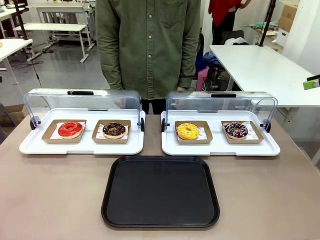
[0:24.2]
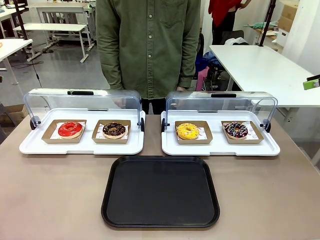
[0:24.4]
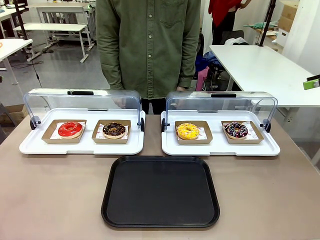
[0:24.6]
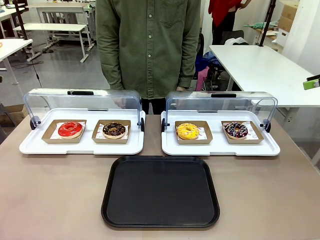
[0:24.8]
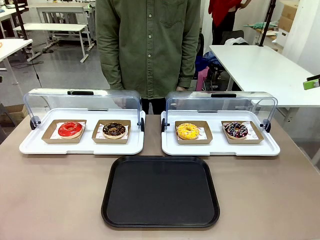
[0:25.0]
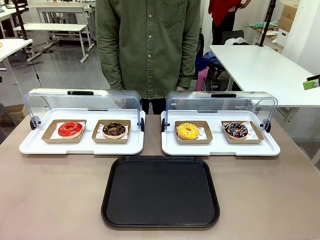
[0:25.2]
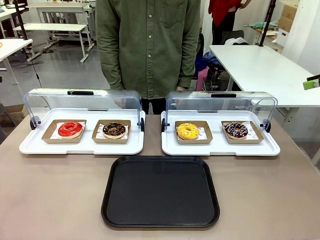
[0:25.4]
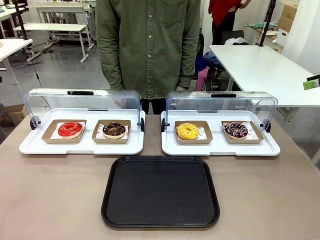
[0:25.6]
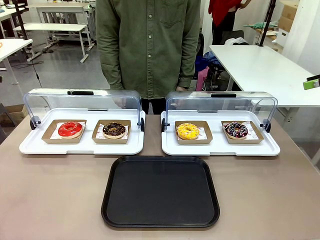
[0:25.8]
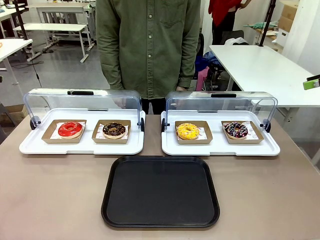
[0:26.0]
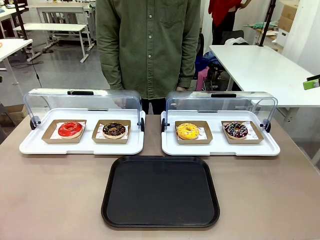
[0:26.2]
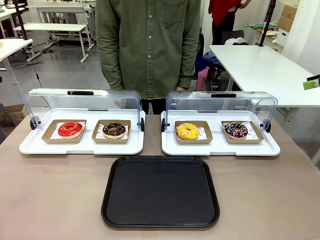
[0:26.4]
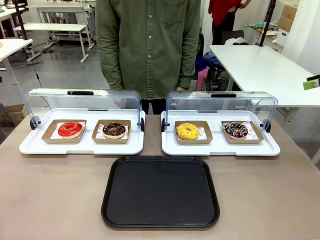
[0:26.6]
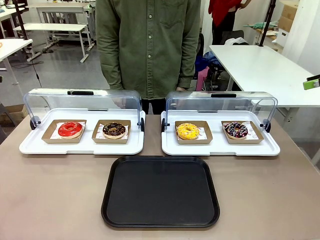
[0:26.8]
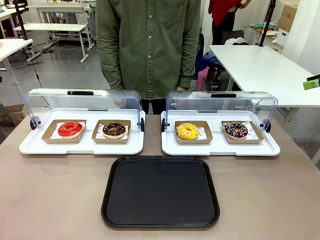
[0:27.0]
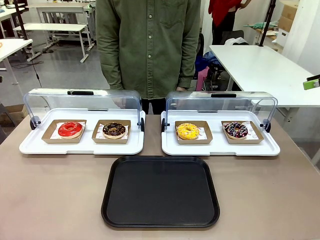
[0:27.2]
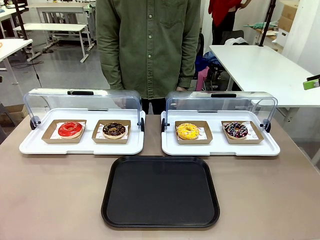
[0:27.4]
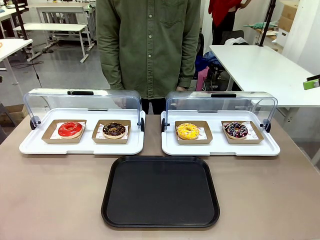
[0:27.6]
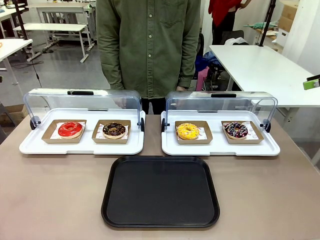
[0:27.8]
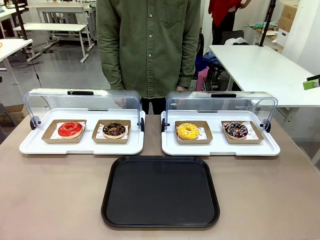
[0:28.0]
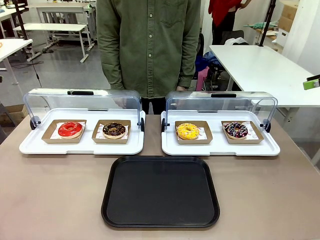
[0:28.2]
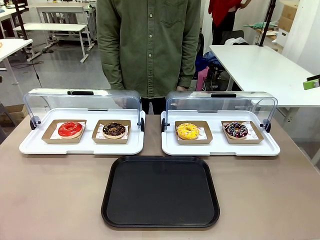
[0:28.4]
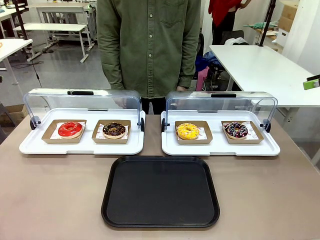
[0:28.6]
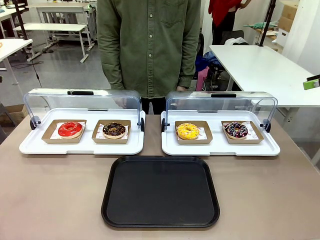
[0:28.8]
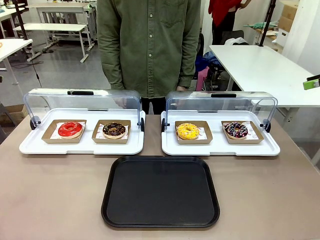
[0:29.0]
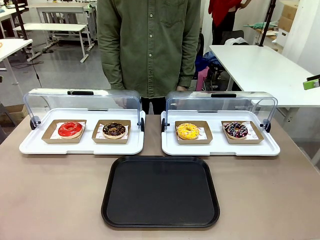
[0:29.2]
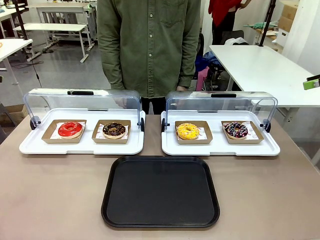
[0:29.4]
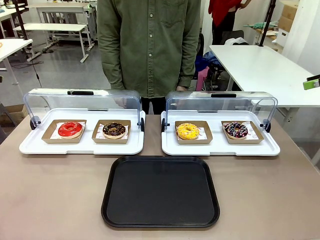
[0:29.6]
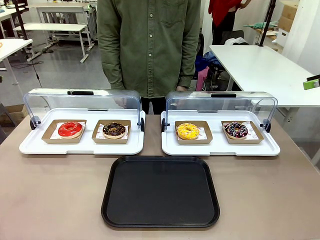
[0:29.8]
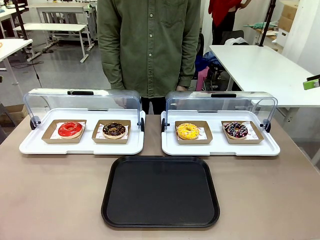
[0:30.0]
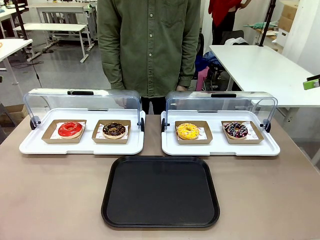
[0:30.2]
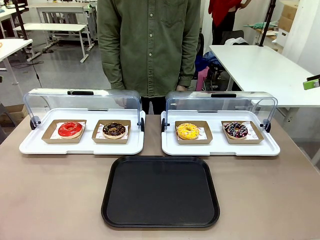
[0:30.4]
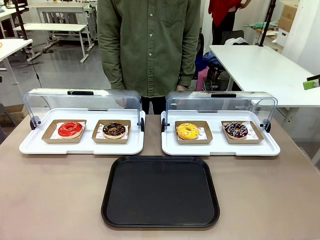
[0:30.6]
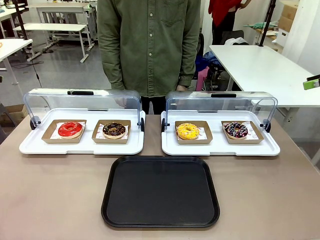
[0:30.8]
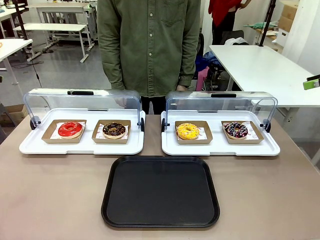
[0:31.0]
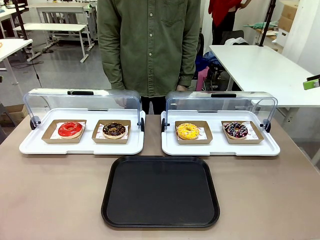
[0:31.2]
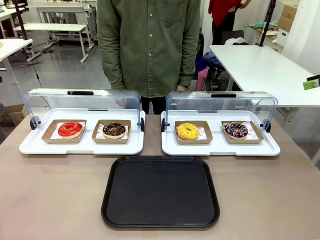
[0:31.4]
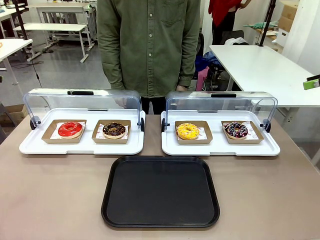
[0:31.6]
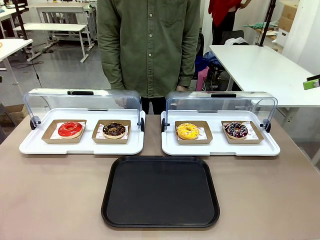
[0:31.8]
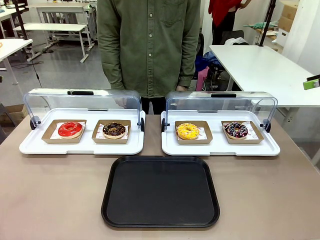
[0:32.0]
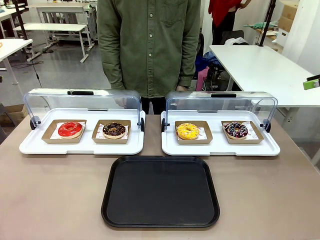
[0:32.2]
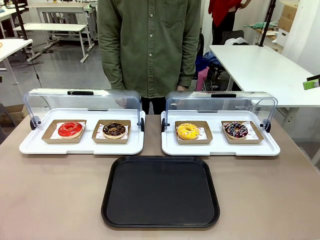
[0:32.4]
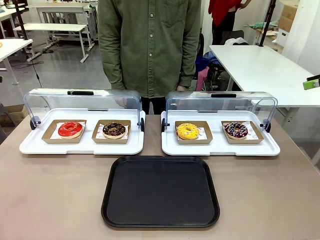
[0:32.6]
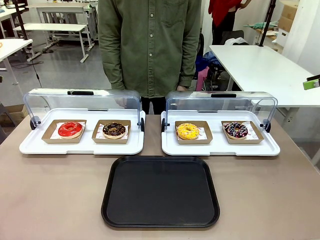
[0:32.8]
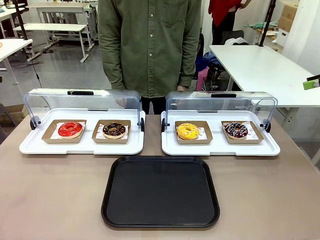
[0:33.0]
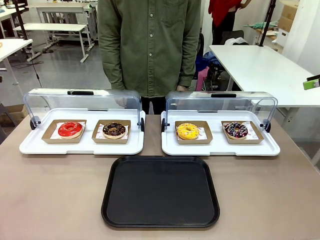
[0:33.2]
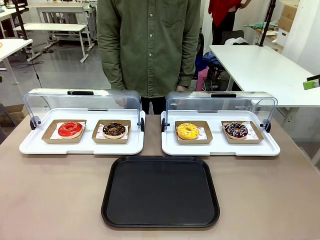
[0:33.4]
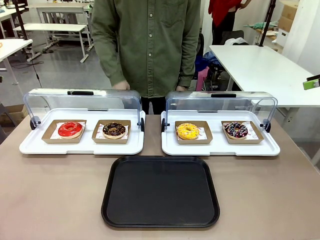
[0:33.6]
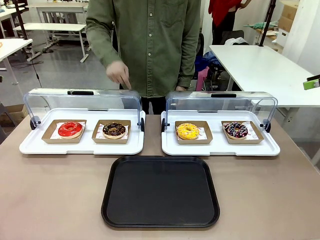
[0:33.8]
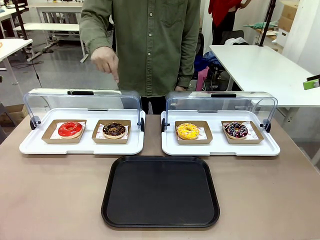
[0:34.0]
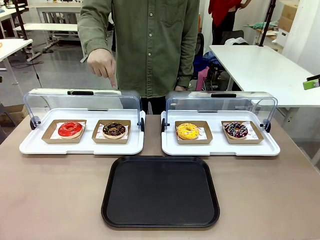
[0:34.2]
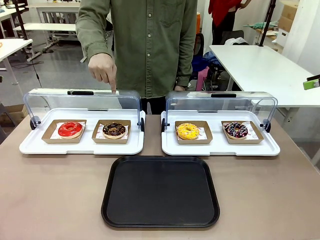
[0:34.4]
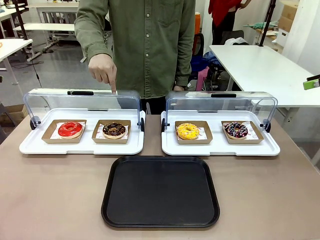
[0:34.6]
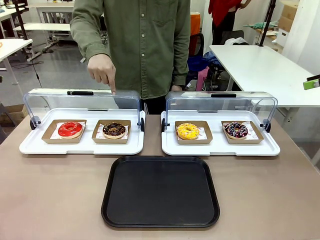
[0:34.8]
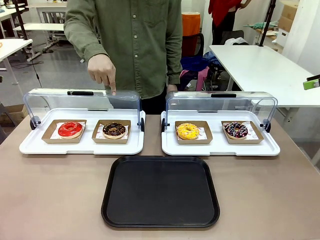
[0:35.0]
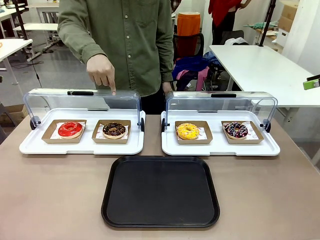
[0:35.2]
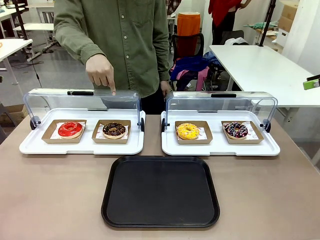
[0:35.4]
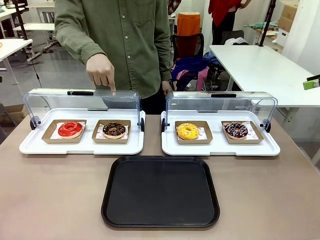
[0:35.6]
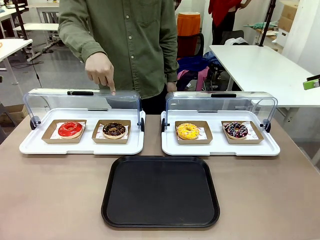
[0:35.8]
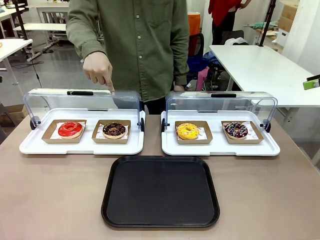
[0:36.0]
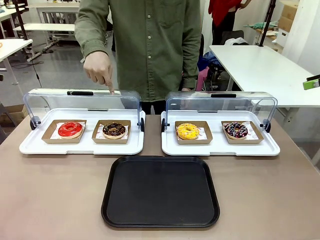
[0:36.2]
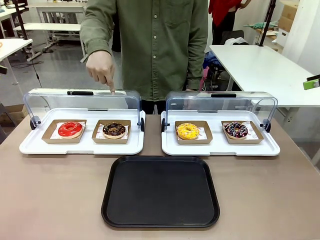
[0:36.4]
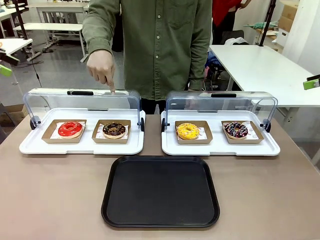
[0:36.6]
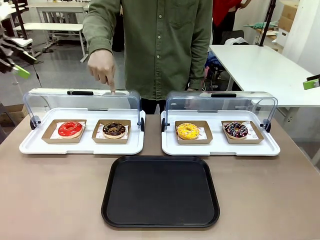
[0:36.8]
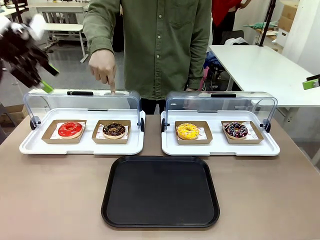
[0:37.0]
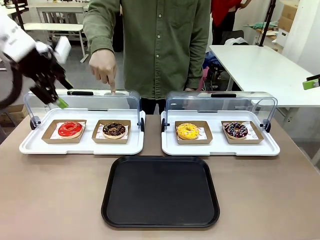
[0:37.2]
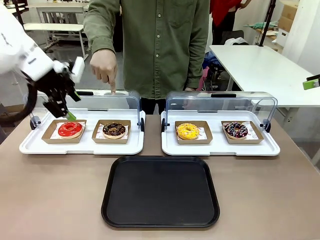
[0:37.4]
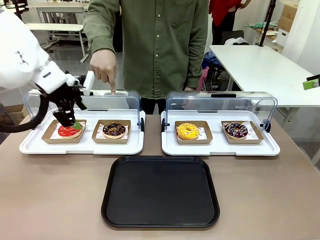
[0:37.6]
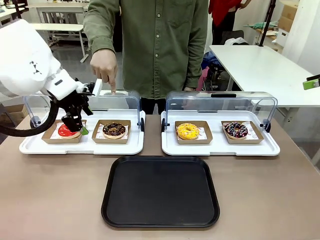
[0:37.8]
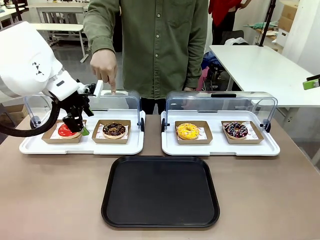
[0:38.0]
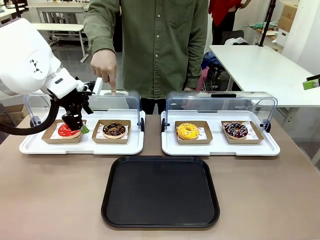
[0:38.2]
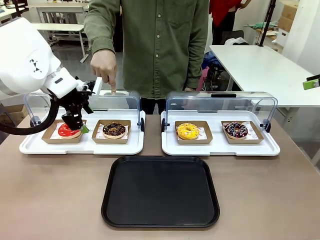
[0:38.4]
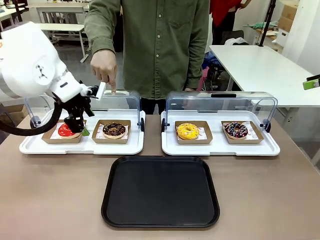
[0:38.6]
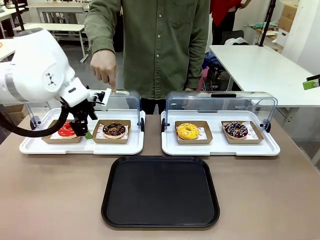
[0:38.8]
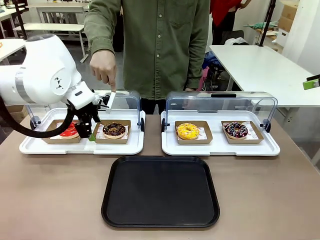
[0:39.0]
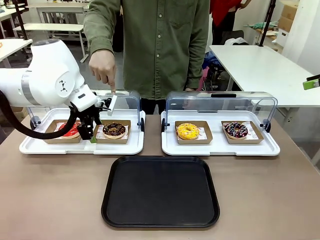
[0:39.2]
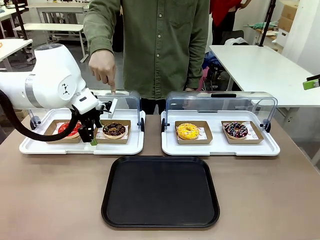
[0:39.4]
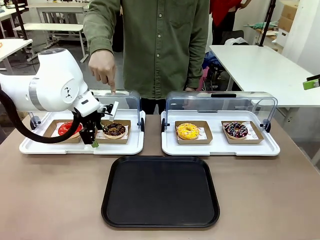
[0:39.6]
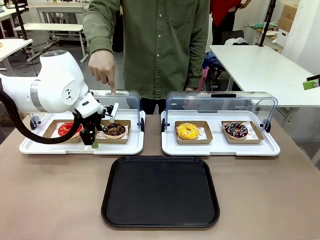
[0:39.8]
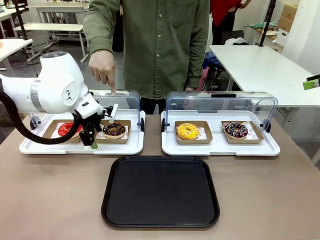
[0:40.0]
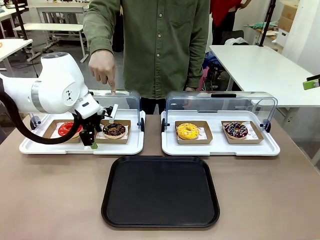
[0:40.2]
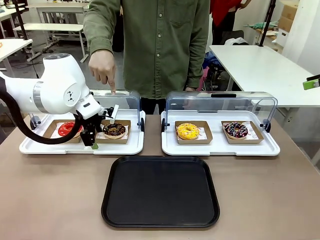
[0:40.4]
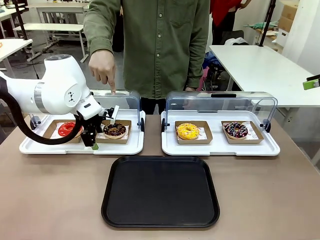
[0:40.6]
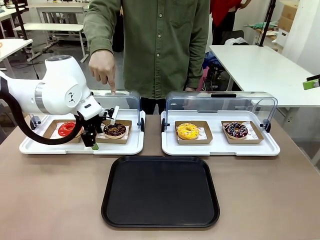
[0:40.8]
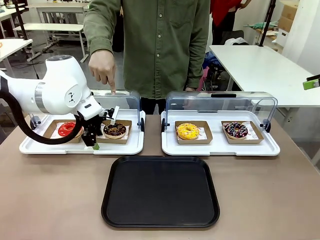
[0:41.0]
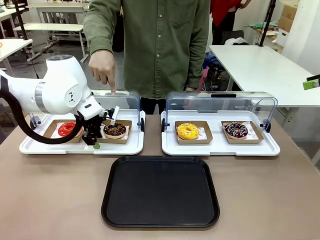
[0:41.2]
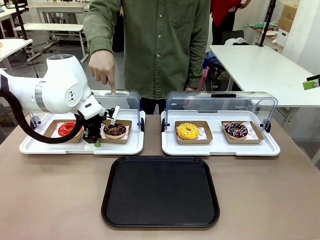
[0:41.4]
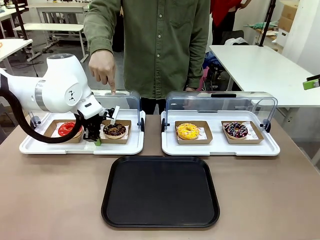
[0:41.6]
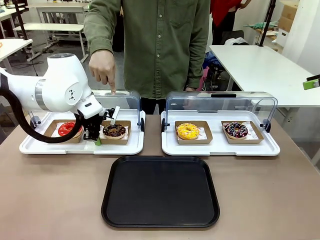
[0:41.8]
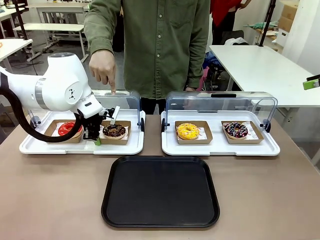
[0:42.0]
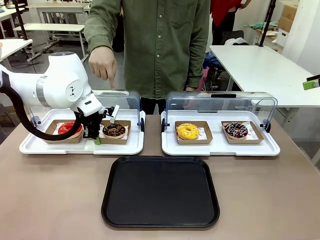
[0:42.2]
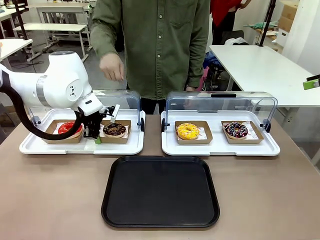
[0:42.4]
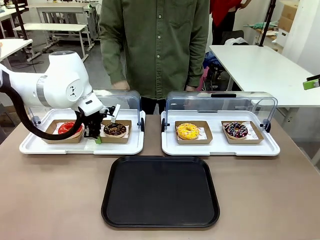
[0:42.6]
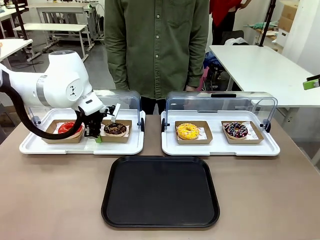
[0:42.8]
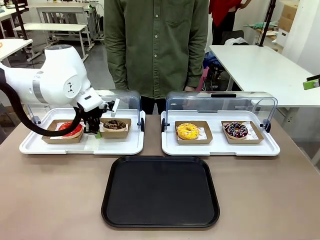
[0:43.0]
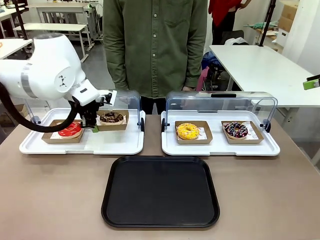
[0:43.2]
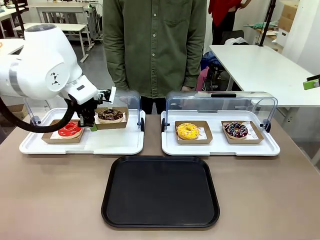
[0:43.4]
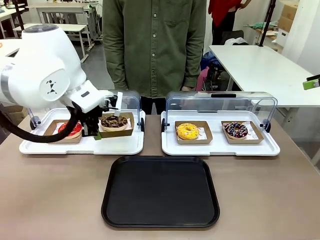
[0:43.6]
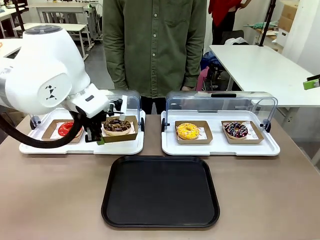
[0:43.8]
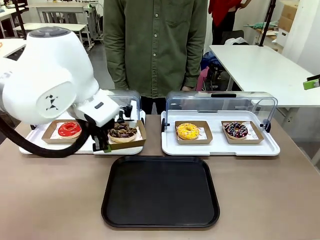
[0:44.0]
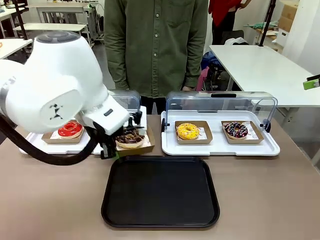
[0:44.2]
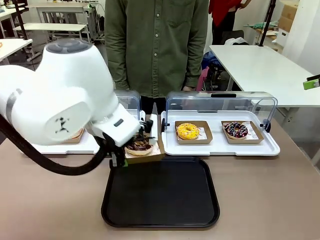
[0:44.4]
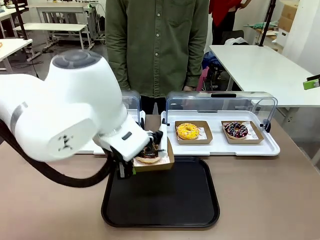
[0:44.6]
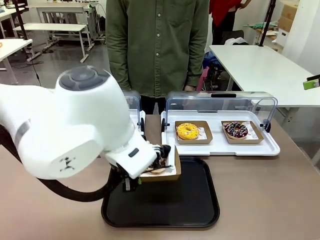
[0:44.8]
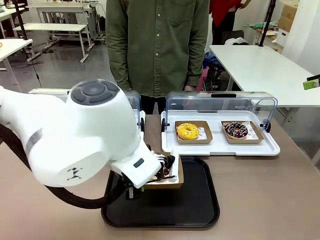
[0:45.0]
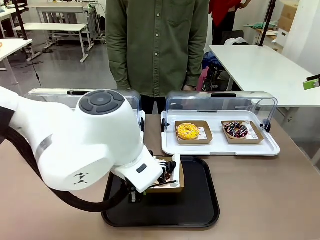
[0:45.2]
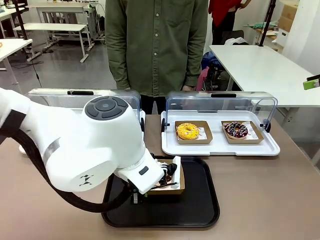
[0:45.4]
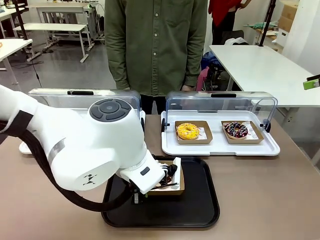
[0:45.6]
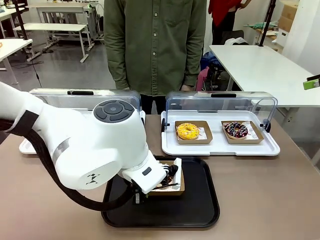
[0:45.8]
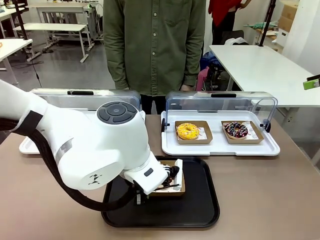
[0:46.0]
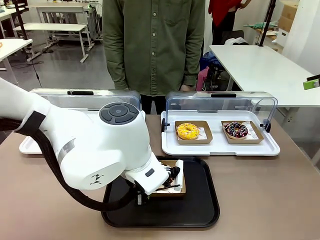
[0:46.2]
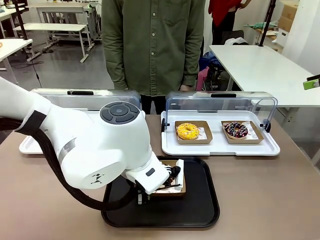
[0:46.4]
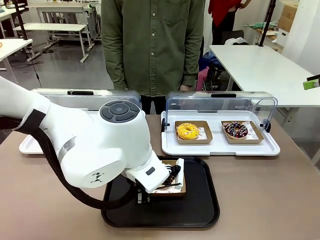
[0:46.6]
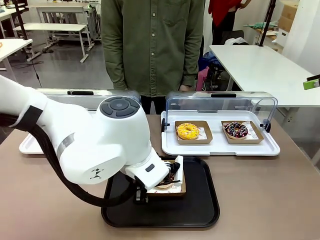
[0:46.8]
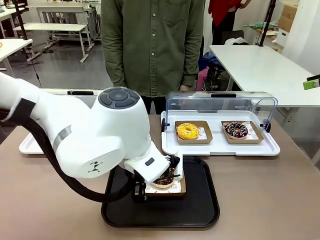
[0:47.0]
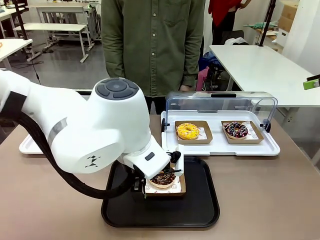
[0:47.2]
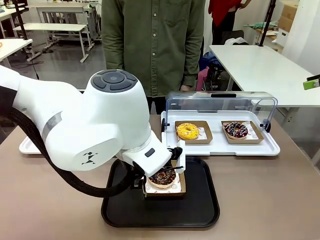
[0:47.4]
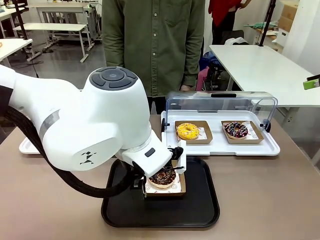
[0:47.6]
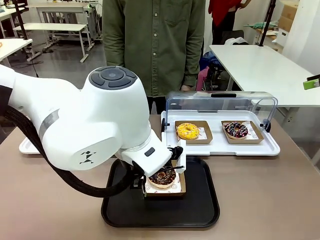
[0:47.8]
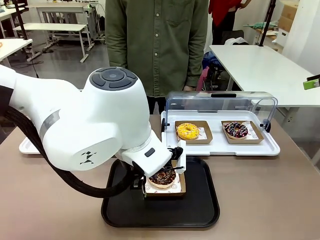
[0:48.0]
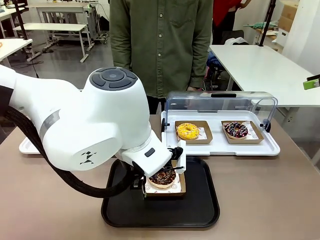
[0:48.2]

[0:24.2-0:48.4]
Task: Move the second donut from the left to the tray.
Robot: Pick up the Paper togo box containing the Donut indicated by the person and place it on the Handle tray.
